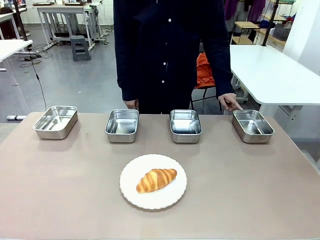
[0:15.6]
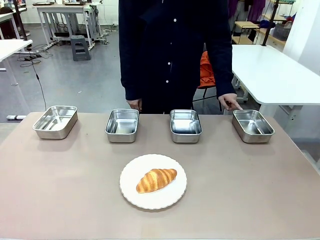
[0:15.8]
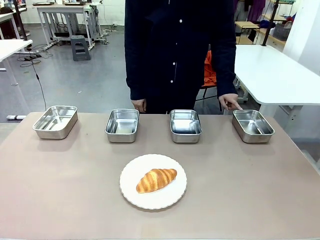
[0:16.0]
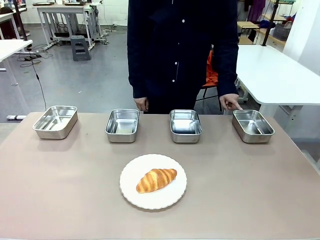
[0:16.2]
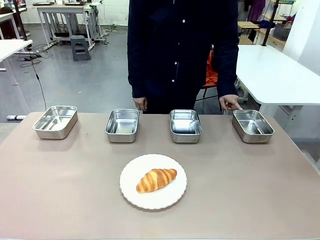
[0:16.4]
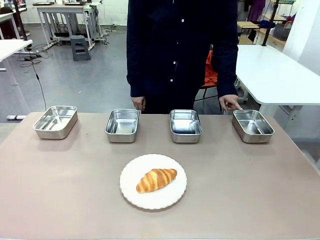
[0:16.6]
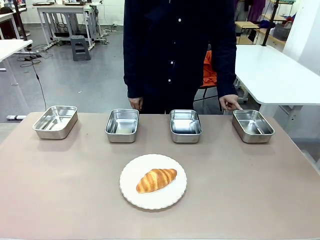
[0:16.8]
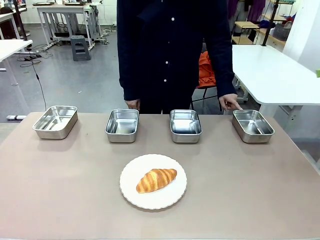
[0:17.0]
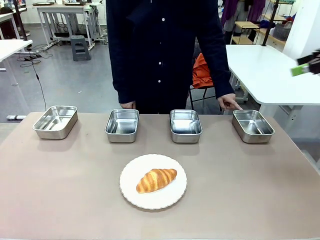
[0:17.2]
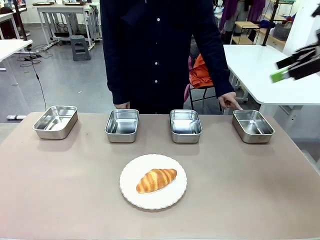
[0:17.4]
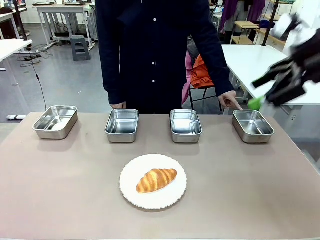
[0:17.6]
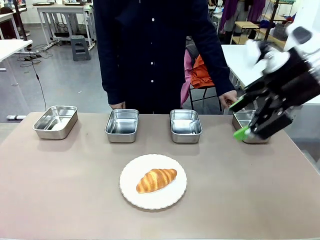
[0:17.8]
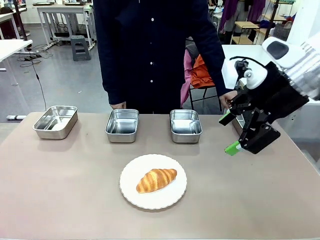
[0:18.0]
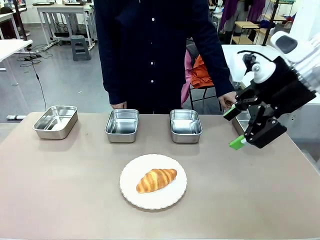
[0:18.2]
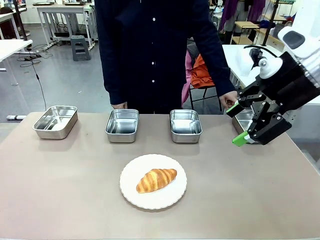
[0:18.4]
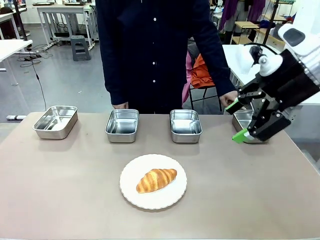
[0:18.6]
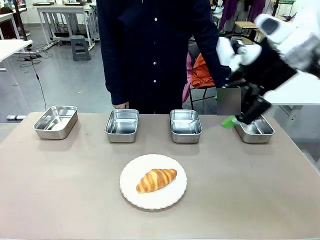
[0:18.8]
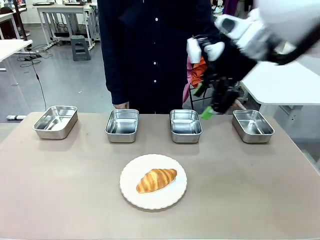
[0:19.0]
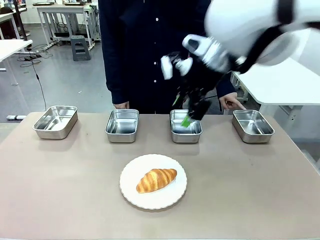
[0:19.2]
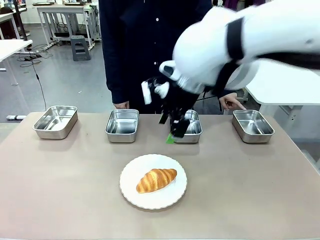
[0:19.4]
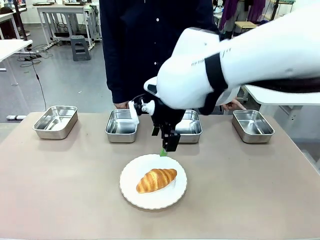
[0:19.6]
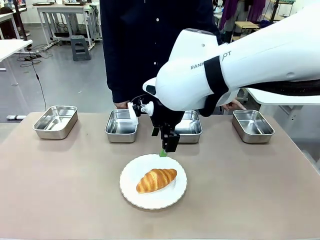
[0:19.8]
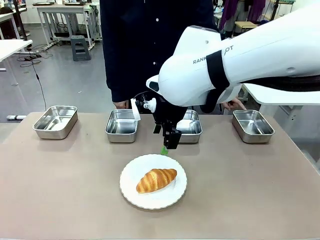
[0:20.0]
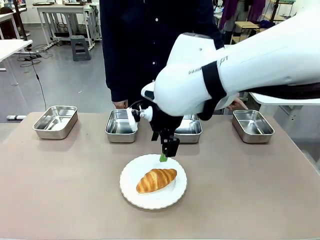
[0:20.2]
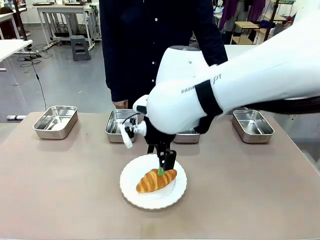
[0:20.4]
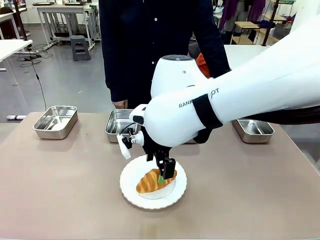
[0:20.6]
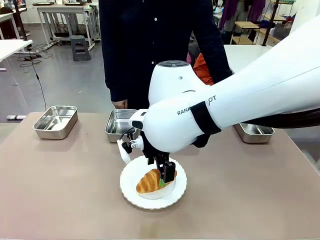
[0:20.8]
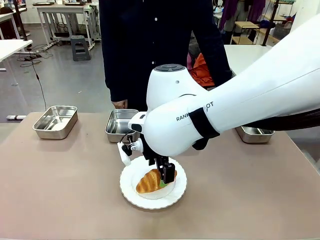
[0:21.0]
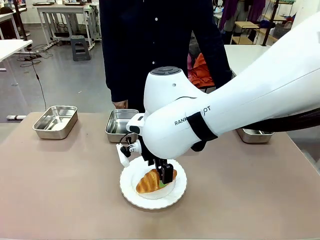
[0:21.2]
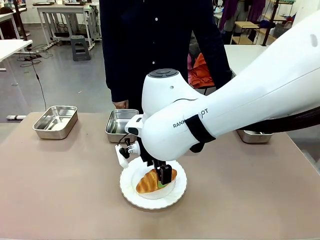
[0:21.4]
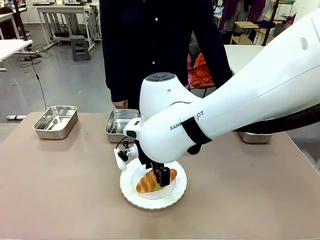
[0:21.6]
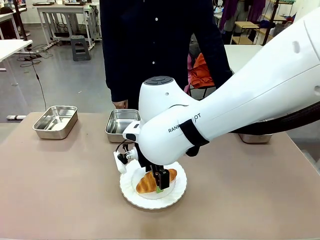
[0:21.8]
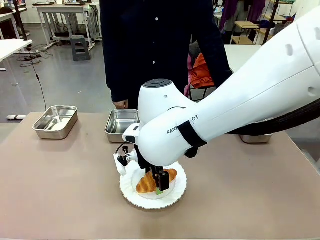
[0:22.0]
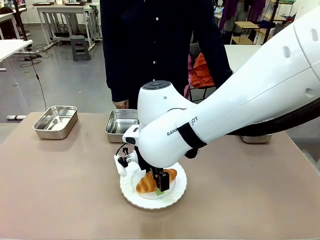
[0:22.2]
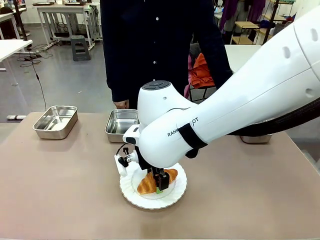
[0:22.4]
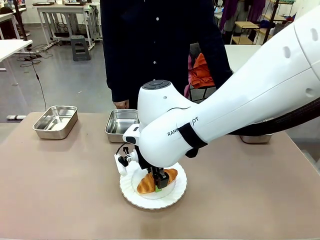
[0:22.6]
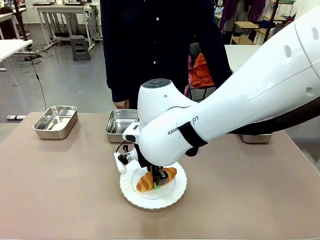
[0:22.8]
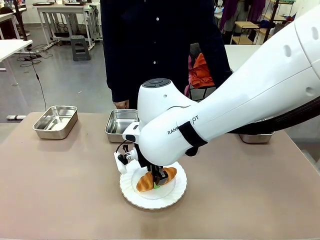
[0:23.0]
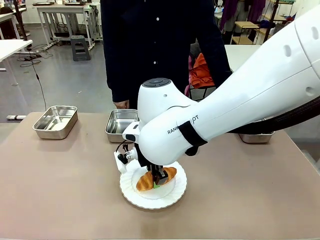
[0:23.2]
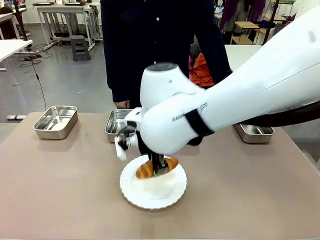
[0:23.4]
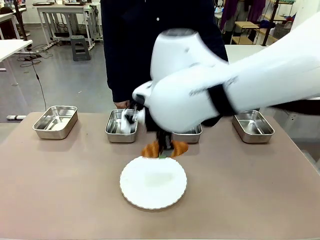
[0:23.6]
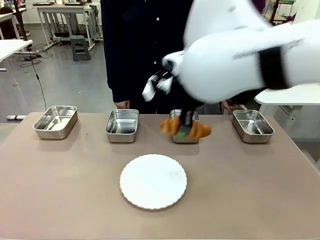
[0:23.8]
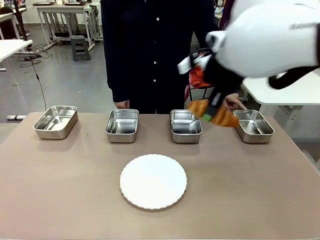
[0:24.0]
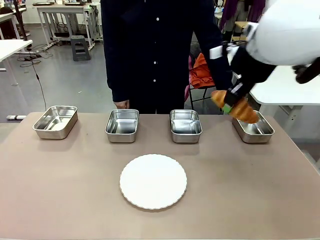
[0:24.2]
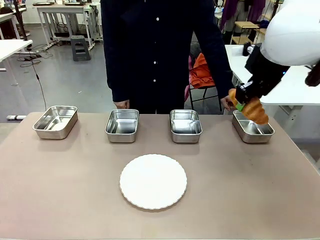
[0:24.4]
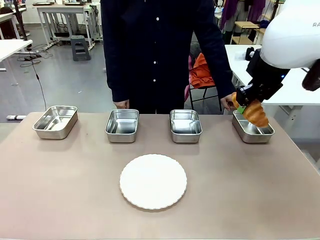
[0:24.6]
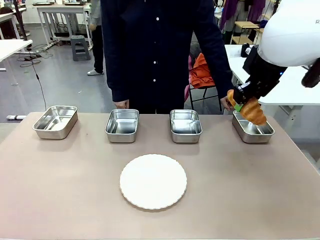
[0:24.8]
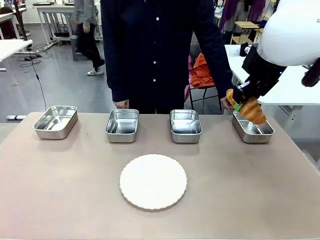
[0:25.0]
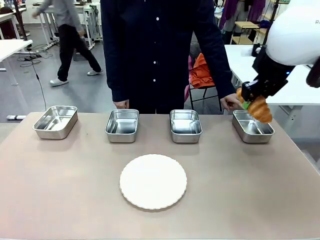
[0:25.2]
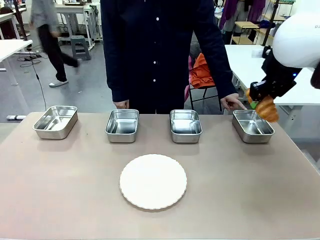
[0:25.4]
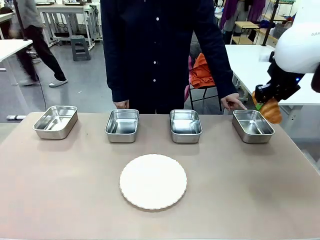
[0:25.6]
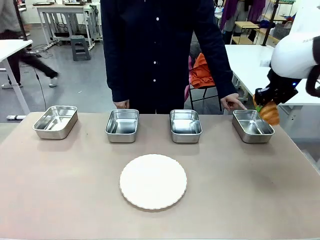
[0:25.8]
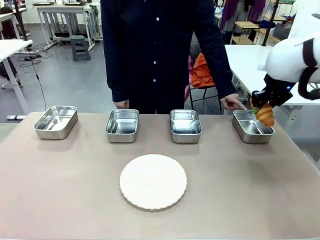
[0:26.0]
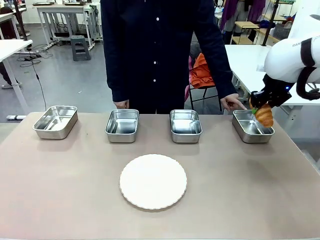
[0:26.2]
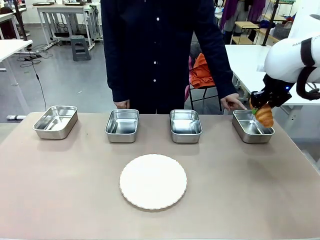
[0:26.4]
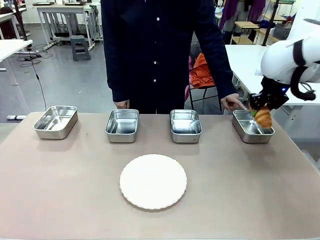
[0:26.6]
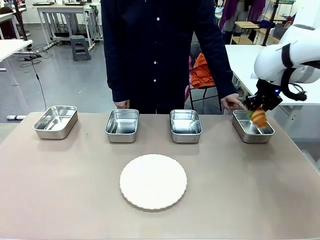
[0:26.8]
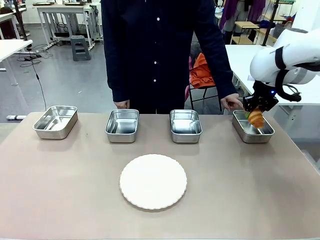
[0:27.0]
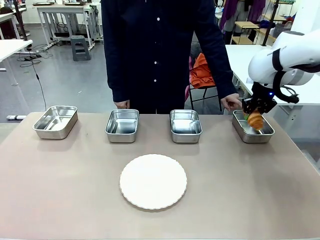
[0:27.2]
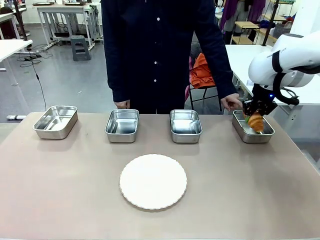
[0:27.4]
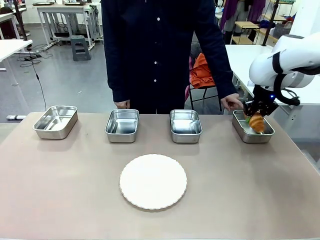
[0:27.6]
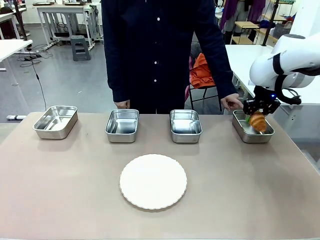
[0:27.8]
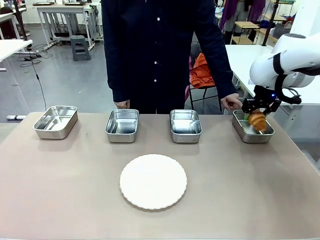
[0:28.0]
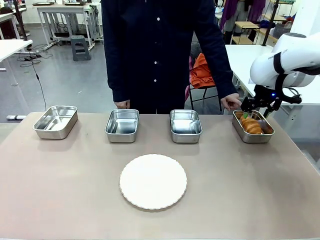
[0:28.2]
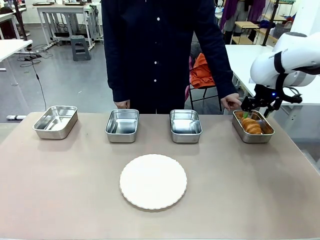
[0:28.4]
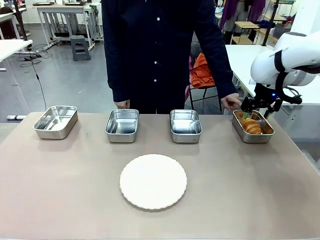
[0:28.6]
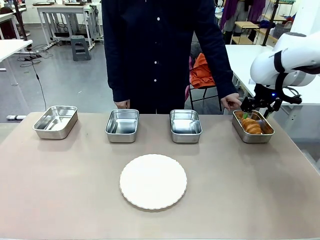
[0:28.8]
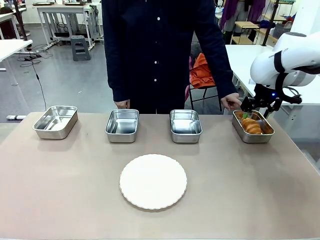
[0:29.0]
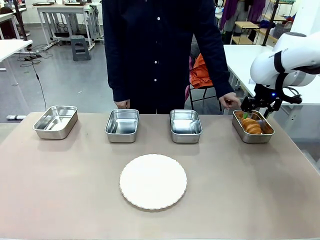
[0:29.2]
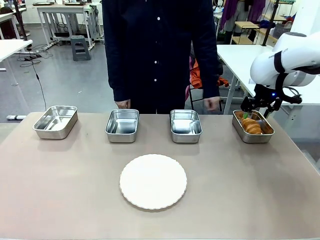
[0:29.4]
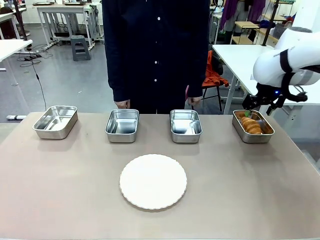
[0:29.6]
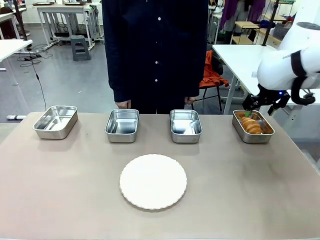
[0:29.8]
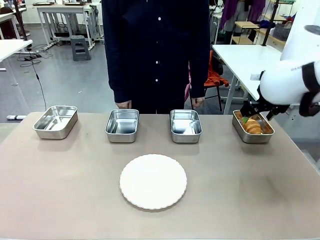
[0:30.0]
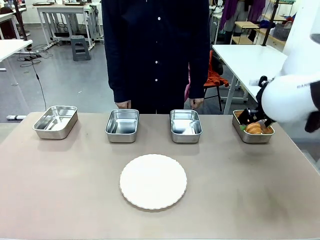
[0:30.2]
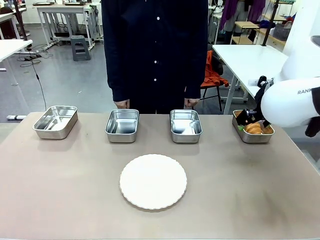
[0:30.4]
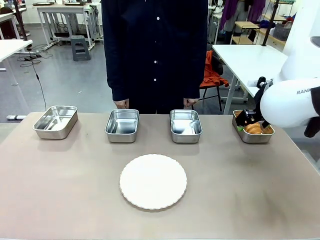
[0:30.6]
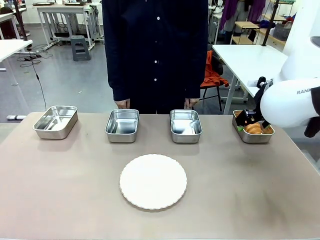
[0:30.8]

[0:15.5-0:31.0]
Task: Place the bread in the container.
Robot: Place the Butter Roll into the Airtight Container indicated by the human.

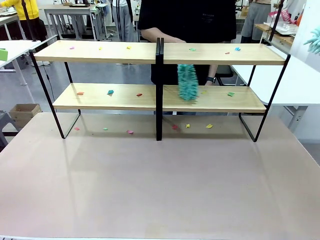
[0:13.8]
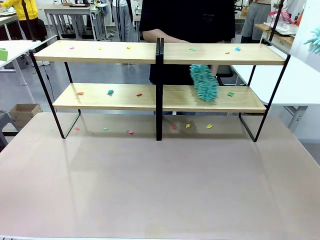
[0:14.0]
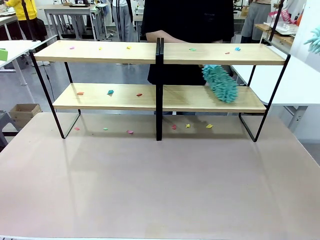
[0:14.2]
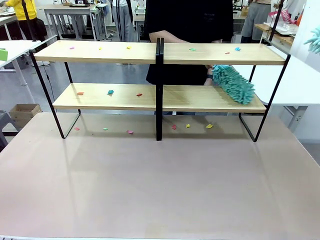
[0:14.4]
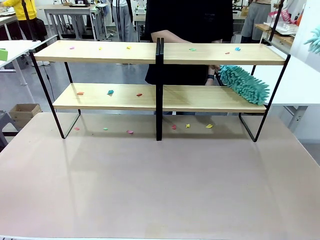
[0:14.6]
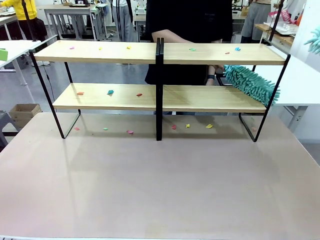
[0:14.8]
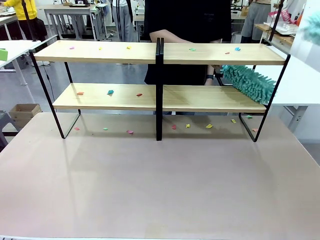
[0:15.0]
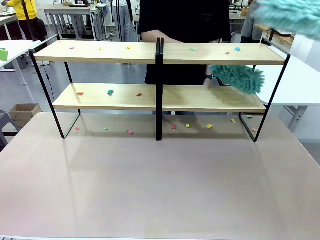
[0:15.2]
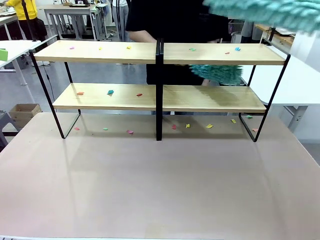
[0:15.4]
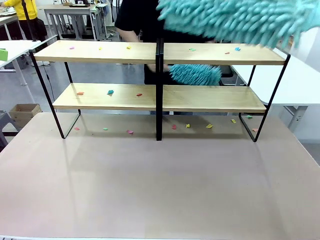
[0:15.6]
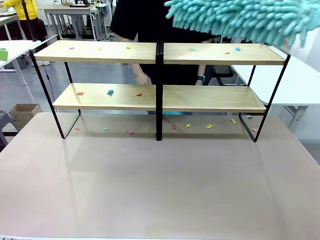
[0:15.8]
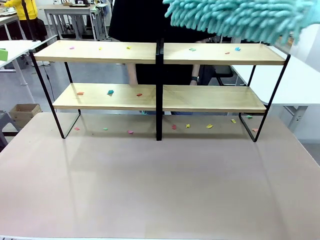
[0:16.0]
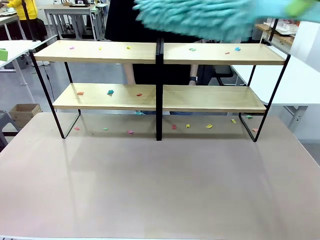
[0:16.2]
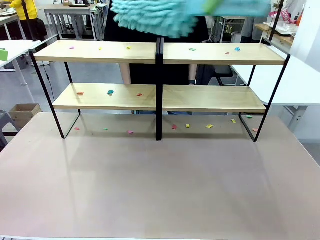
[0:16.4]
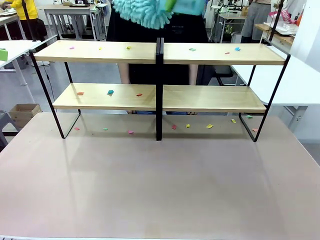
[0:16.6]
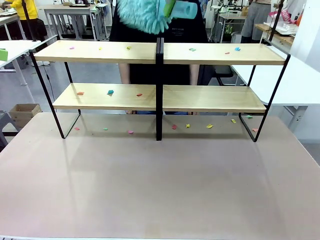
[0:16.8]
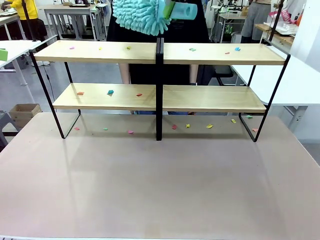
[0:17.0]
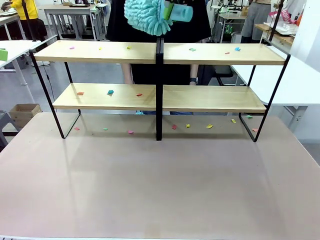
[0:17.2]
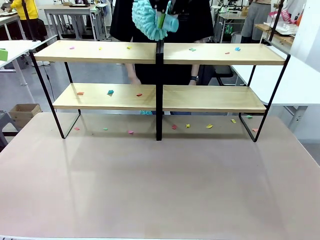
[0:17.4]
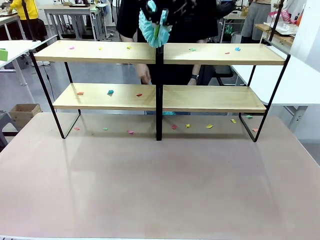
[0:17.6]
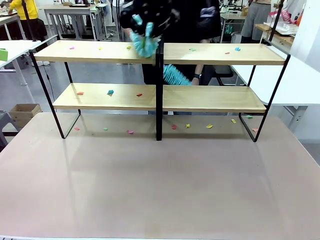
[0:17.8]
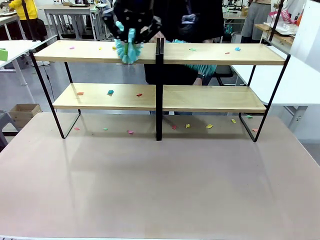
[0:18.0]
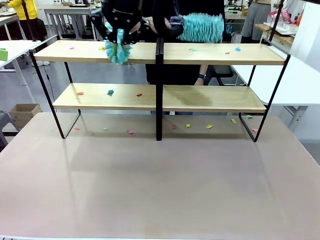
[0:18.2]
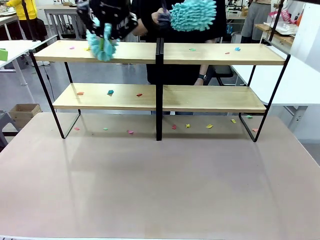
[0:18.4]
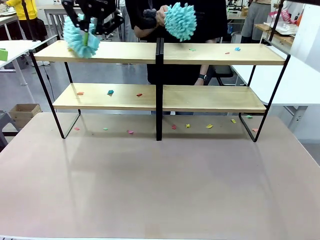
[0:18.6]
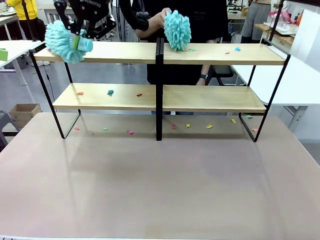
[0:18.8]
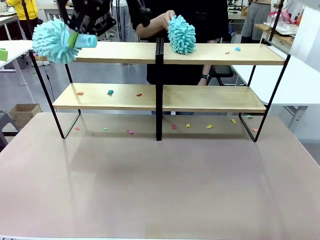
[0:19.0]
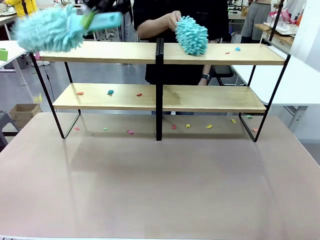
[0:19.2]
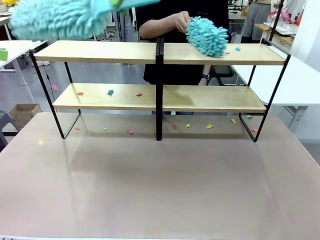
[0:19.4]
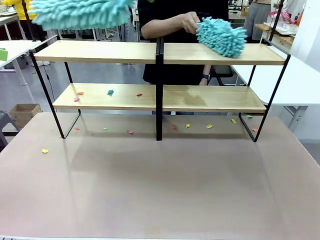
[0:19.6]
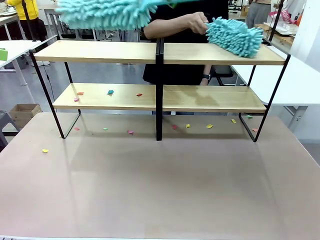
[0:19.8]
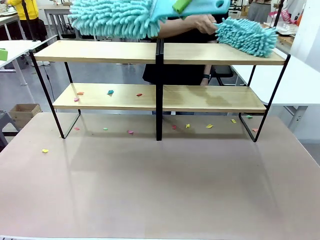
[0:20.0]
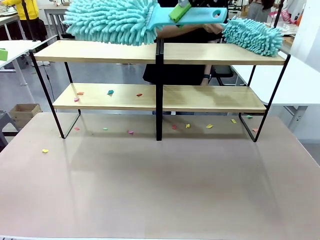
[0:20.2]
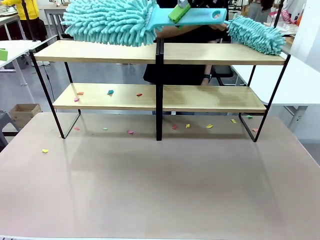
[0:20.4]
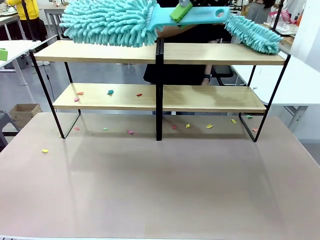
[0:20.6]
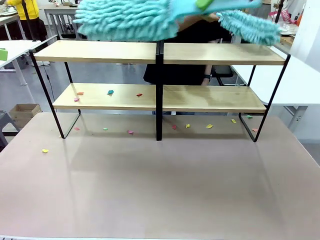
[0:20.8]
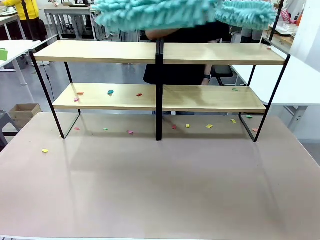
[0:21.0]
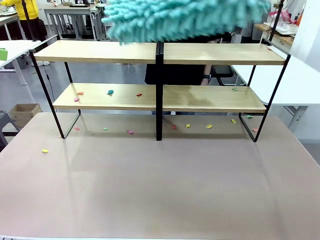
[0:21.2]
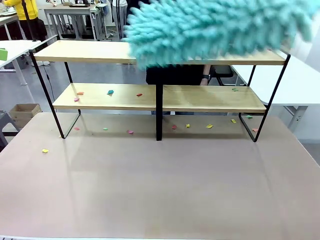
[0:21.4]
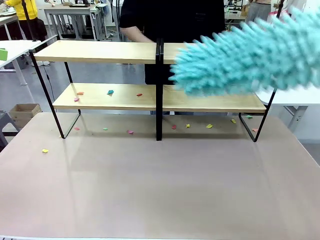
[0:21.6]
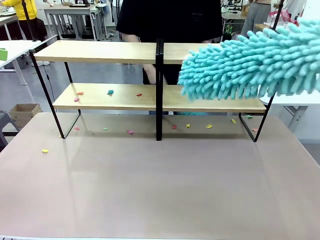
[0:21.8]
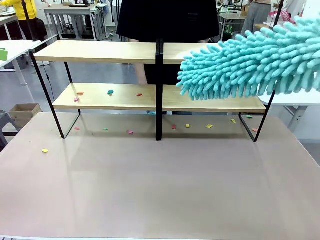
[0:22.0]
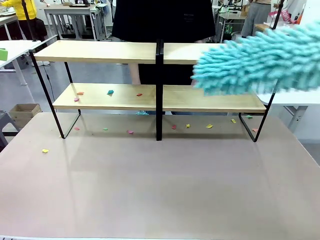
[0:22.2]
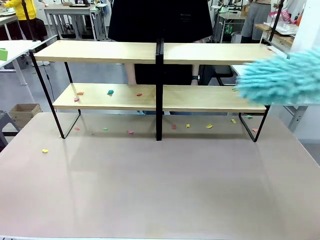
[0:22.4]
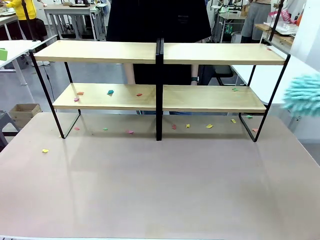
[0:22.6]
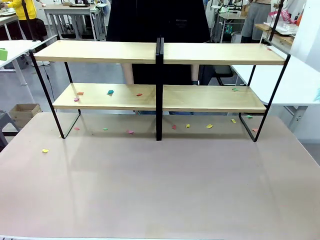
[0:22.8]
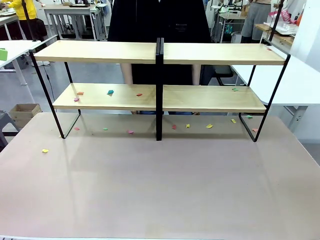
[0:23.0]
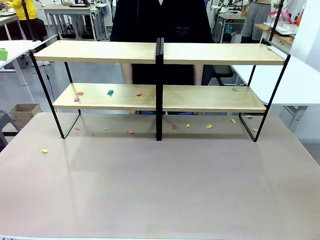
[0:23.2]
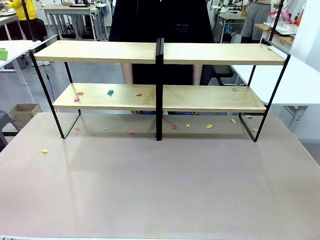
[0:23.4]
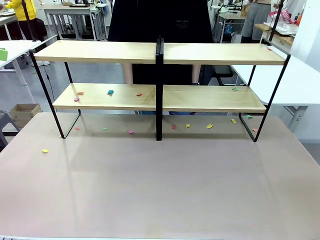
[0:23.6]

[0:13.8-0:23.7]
Task: Clean the shelves.
Robot: Clean a randomly selected level of the Shelf with the Duster.
